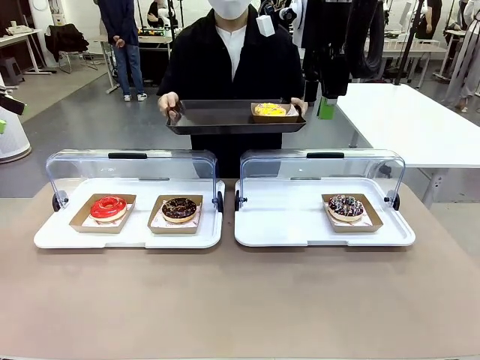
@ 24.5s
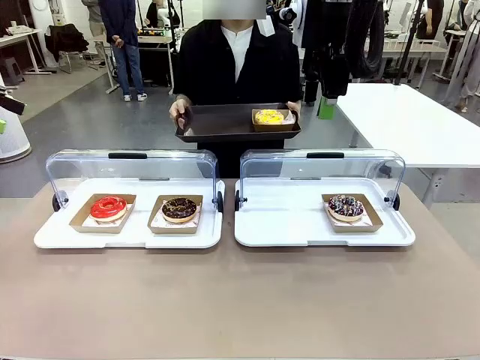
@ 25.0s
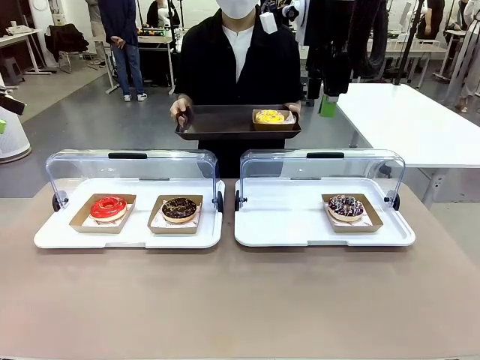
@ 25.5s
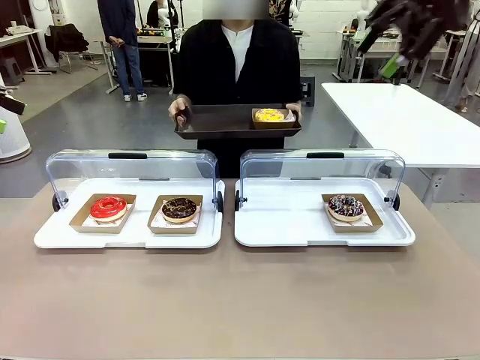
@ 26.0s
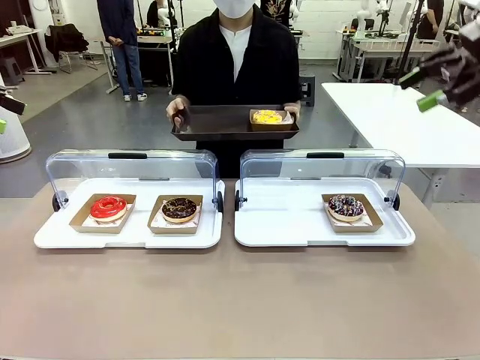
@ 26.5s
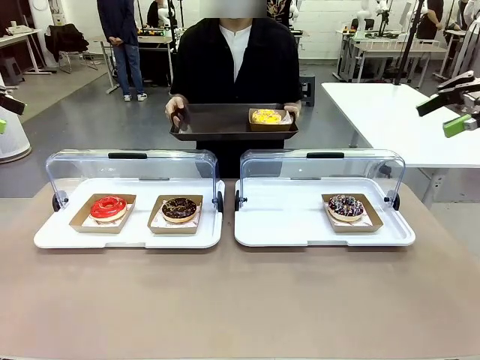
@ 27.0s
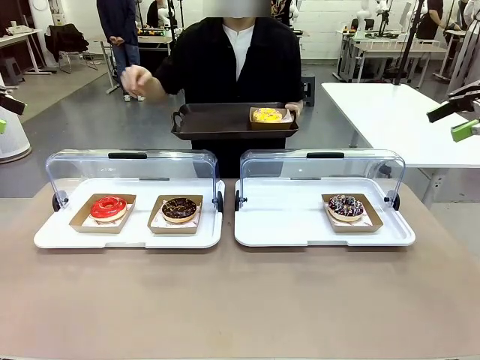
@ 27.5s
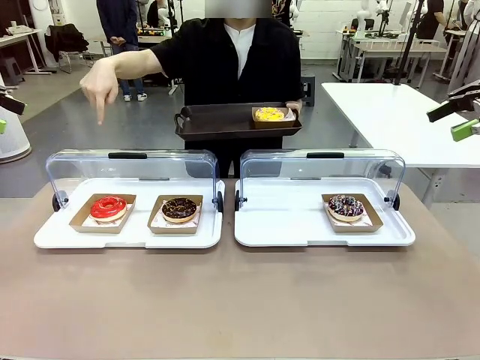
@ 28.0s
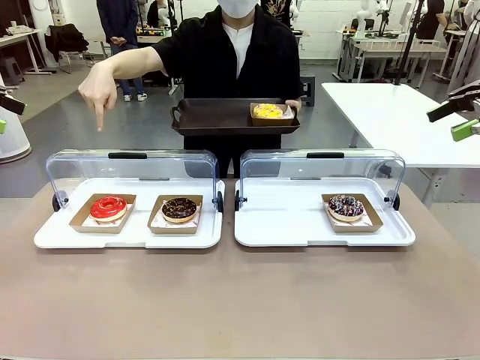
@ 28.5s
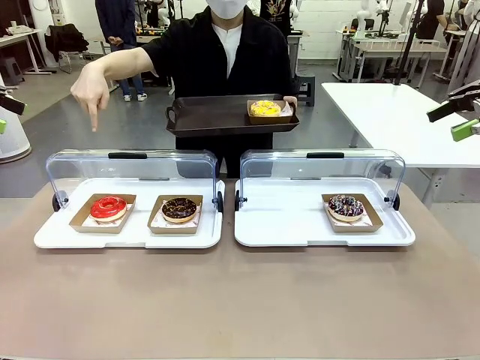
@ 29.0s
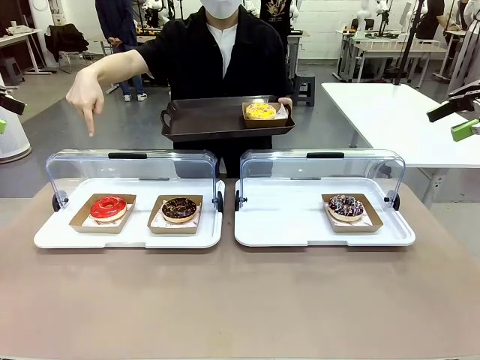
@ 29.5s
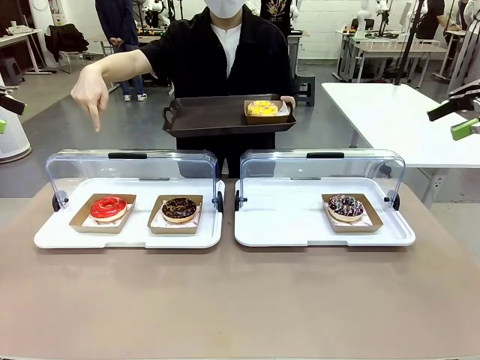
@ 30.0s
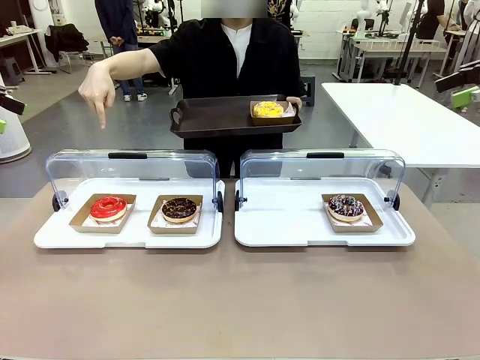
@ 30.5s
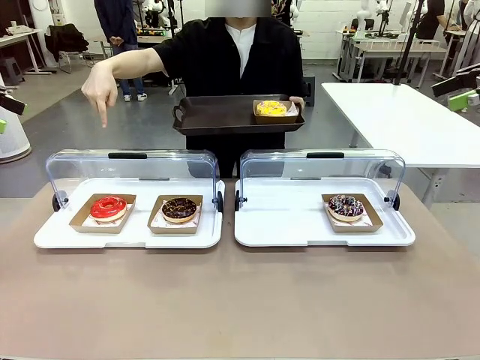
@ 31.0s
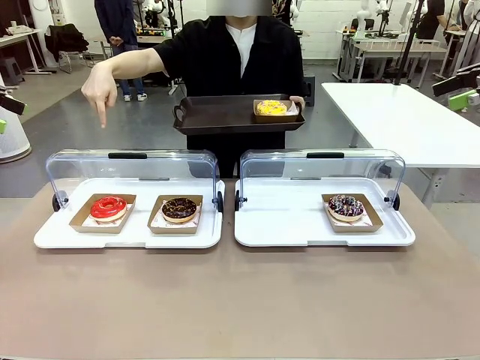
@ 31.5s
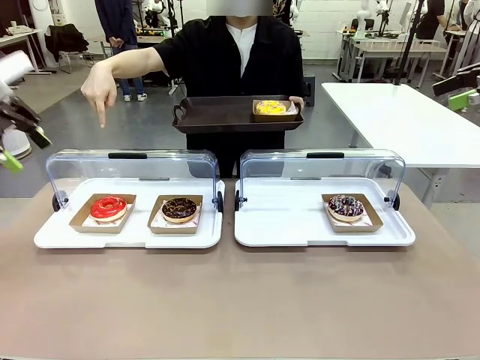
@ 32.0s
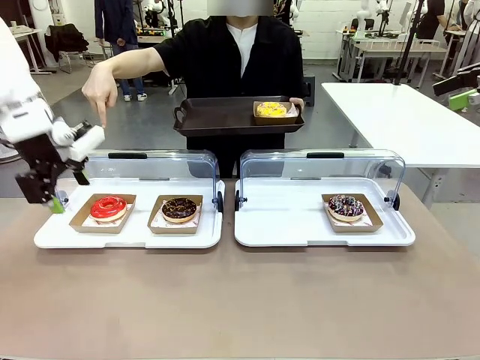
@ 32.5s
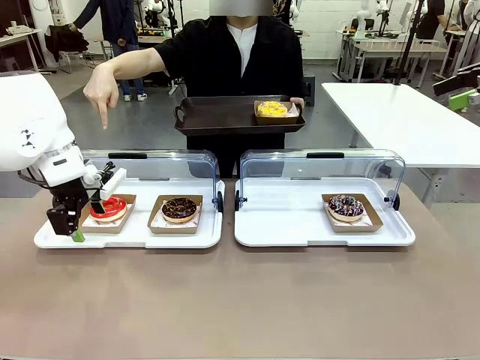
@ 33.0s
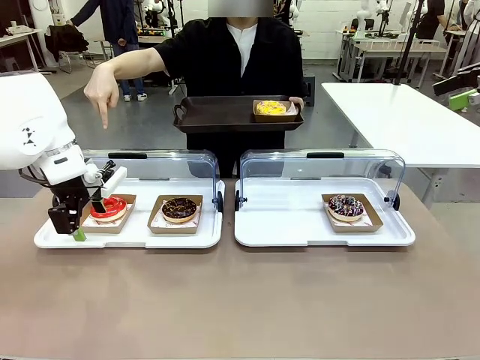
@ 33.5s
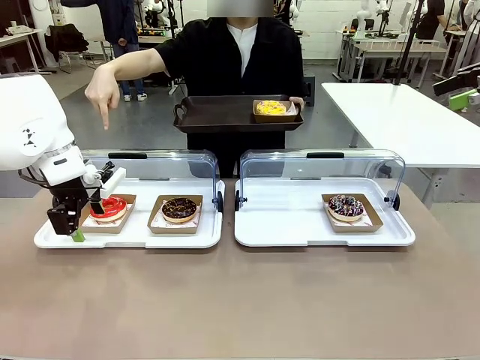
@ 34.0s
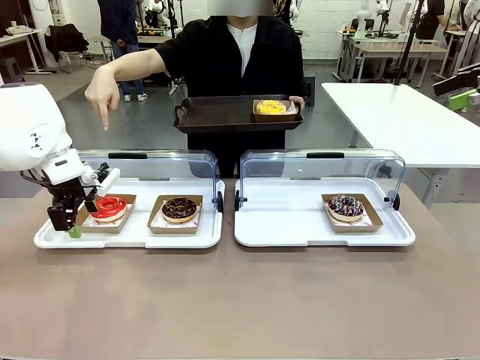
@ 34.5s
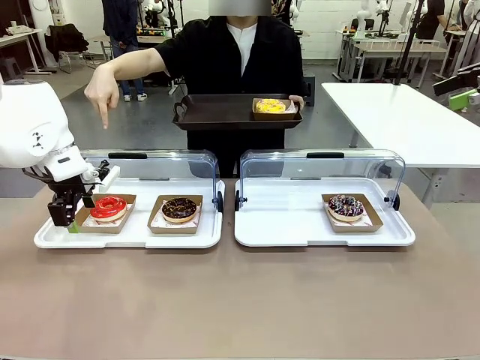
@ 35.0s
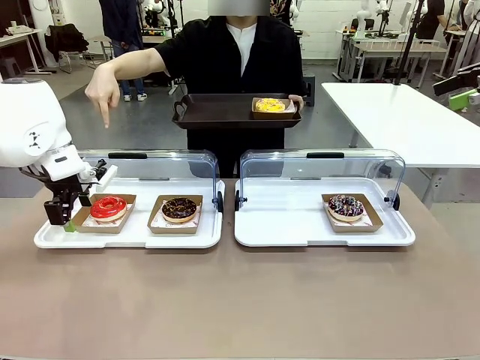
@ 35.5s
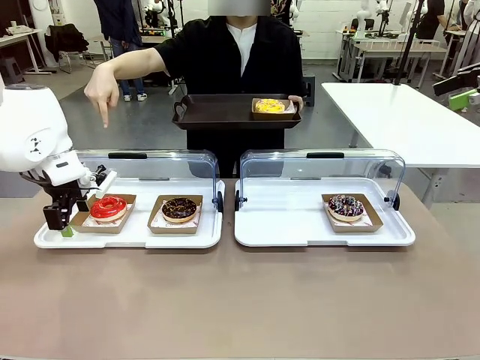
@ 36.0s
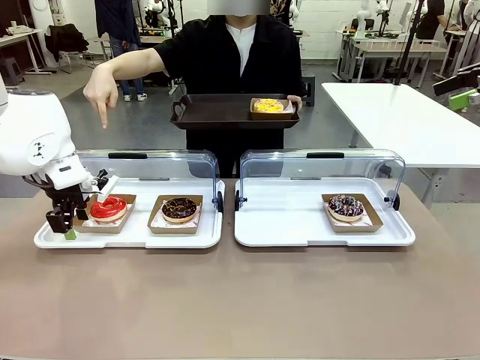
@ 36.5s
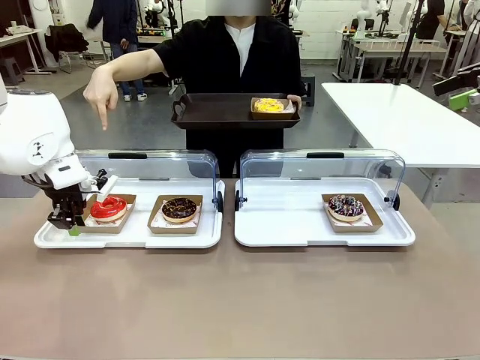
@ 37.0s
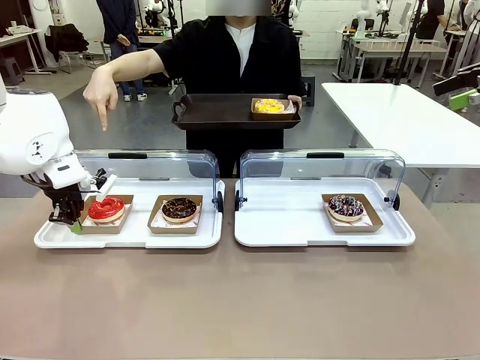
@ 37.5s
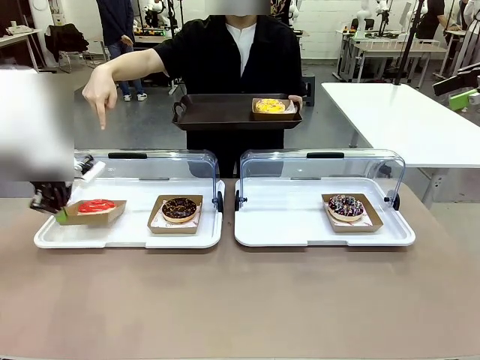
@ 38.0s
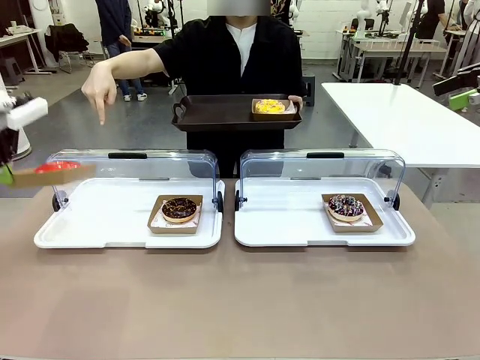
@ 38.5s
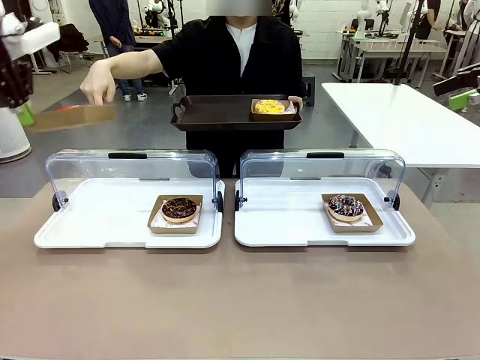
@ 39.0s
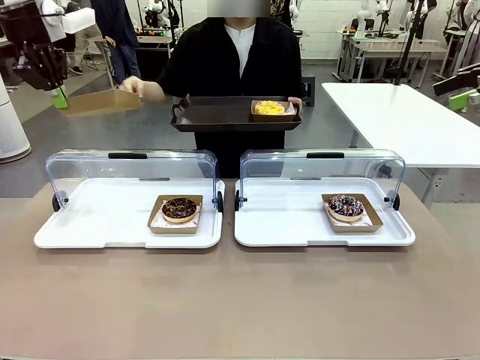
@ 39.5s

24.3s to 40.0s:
Task: Provide the desired donut to the person.
Robot: Pick up and lift the Paper togo box containing the Donut pointed at by the person.
Person: Point to one donut. Lift the tray onto the Roll-Top Bakery Case.

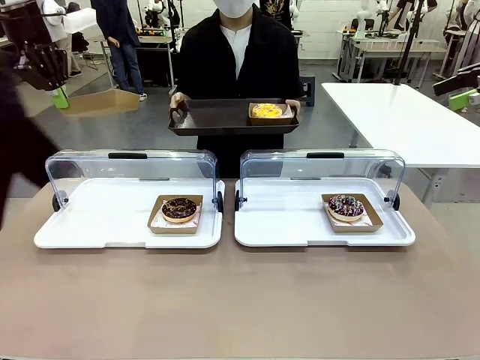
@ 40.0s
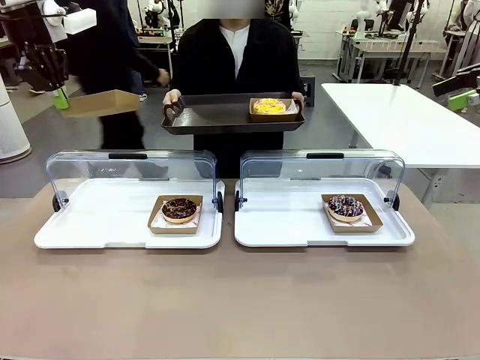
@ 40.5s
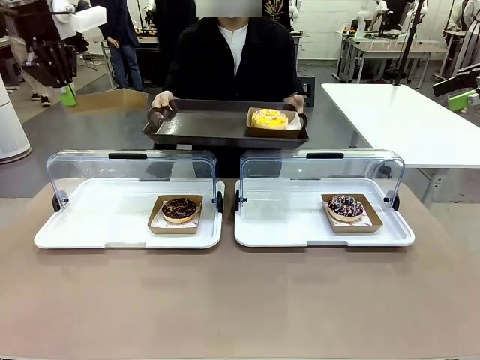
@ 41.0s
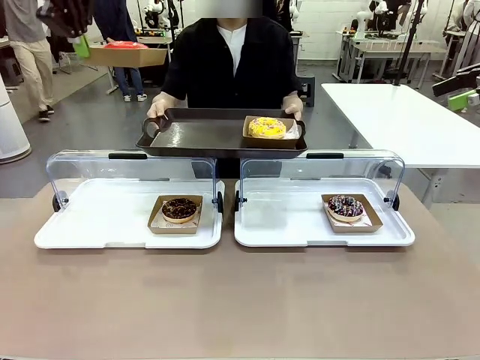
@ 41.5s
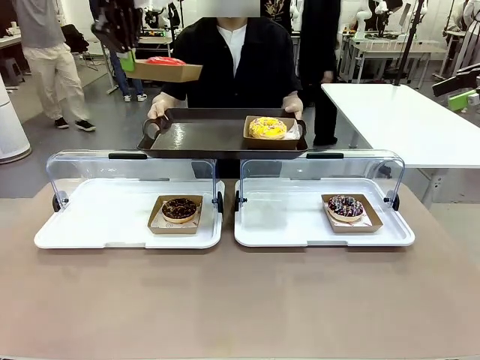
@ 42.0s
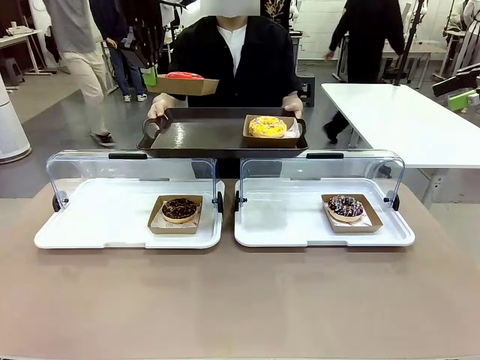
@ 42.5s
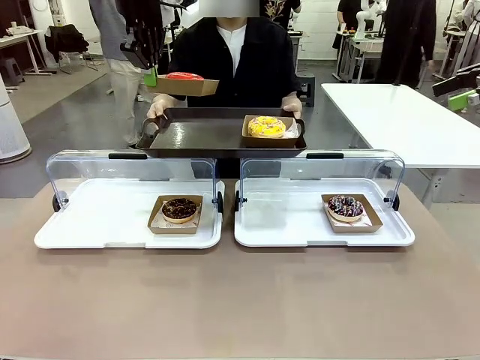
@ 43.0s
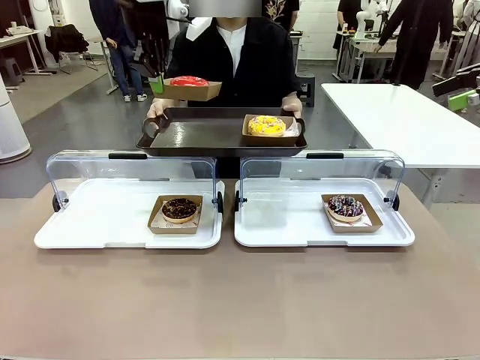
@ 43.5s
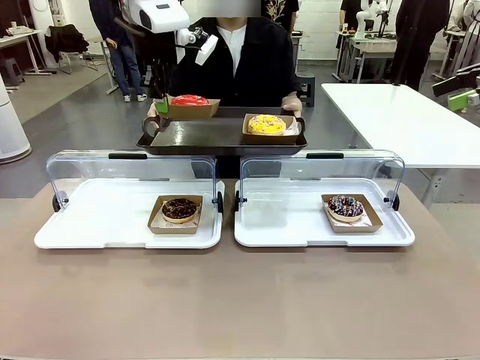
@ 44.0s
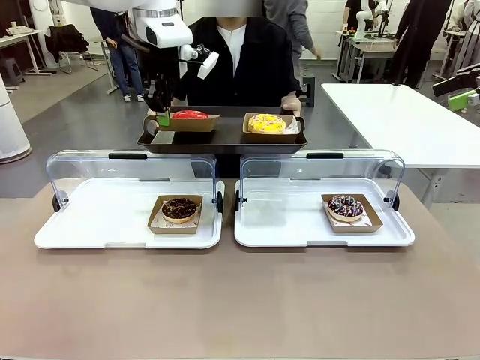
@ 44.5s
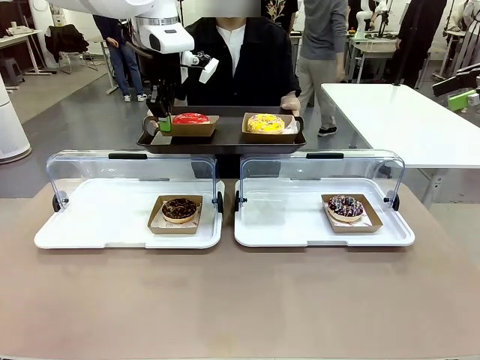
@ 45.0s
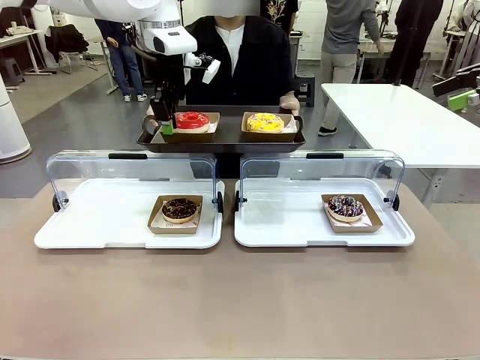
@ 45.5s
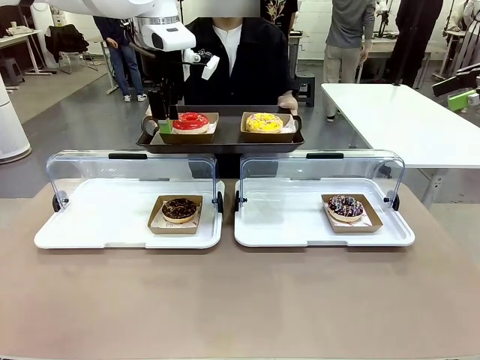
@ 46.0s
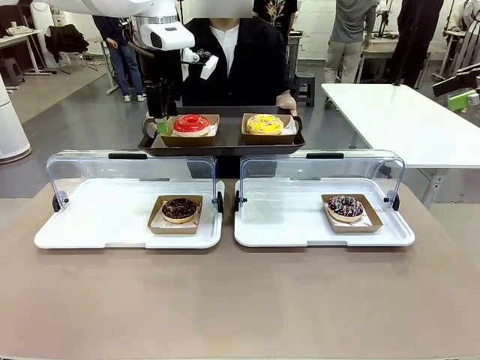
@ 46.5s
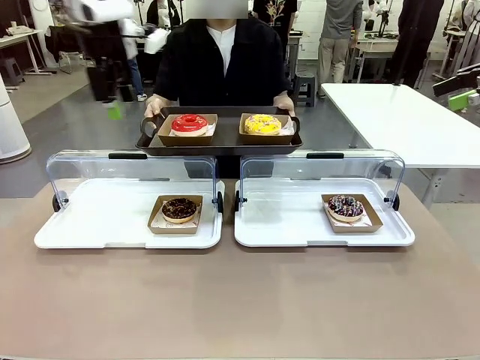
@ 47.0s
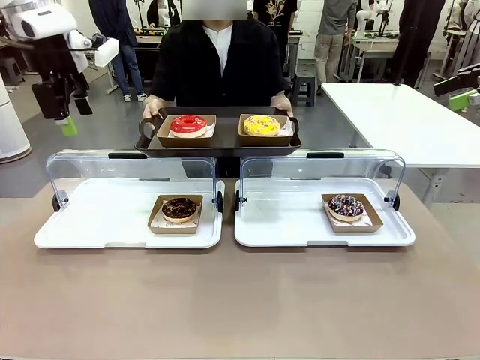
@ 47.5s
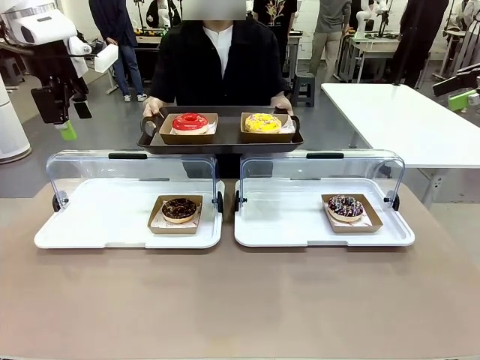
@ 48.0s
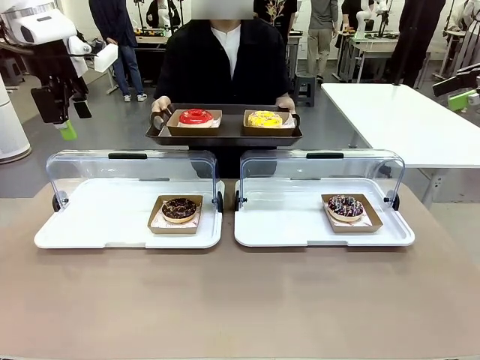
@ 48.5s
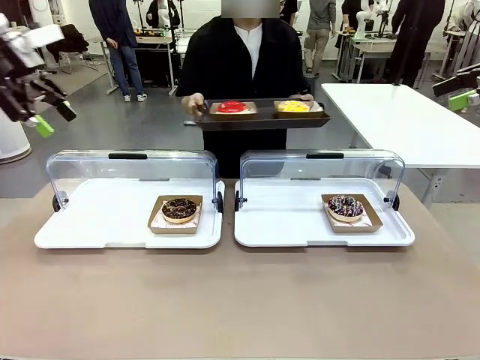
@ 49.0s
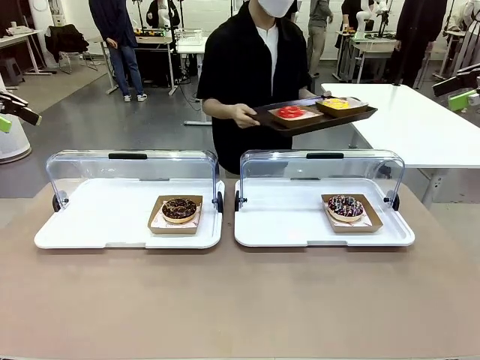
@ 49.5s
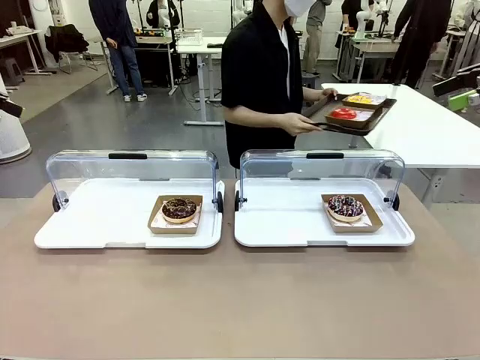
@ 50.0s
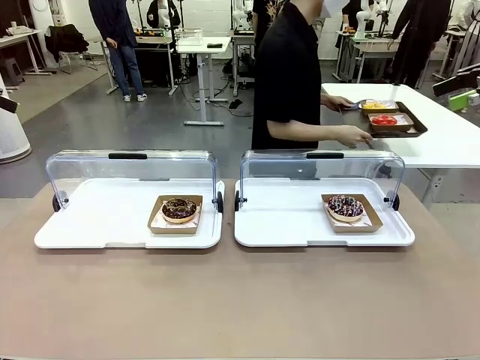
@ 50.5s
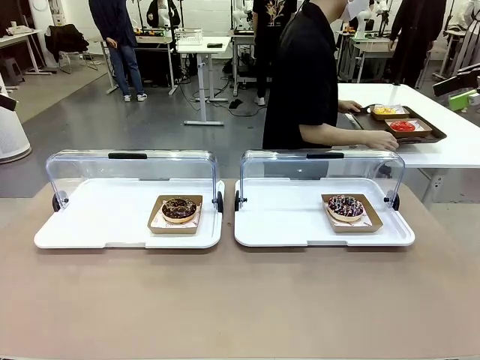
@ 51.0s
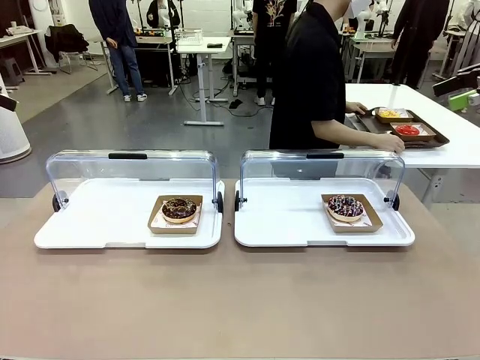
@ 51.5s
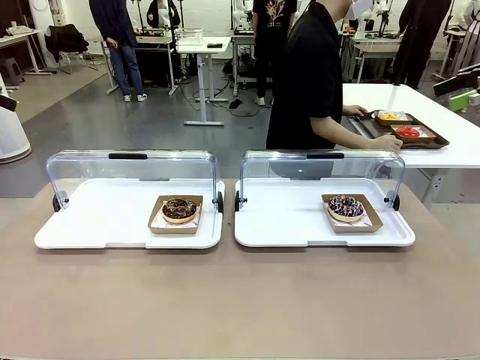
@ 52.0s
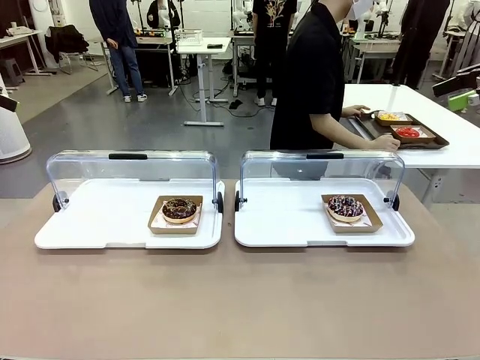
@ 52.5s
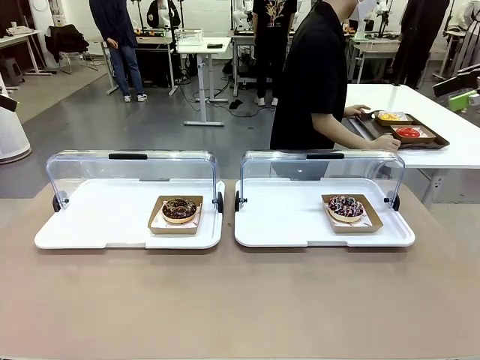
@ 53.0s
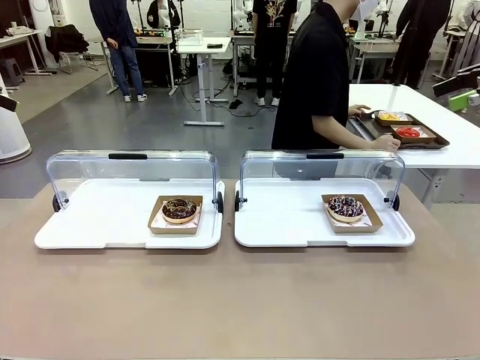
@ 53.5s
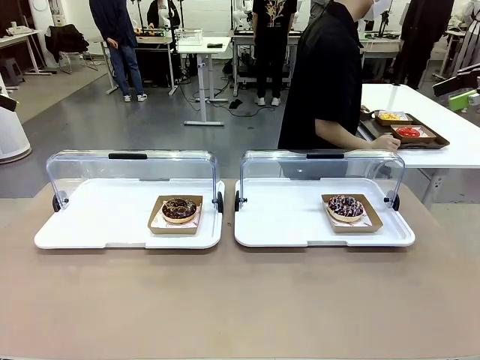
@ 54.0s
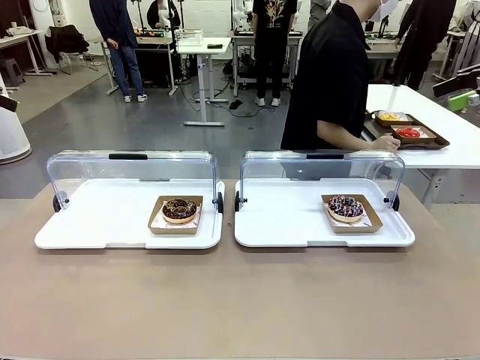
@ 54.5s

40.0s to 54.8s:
Robot: Place the picked Paper togo box onto the Handle tray extended by the person.
Person: Place the tray in the middle of the human table.
